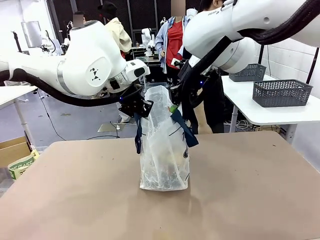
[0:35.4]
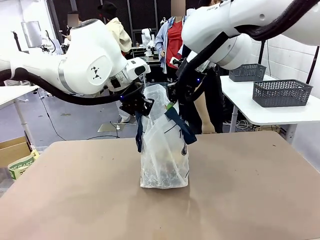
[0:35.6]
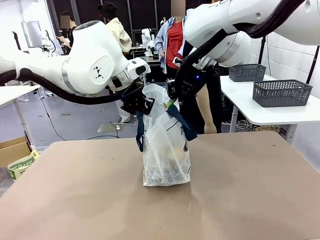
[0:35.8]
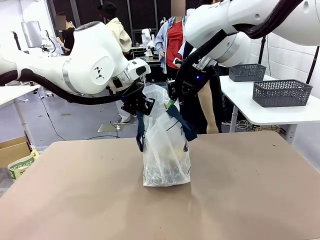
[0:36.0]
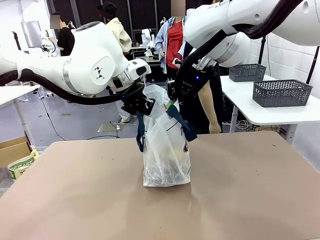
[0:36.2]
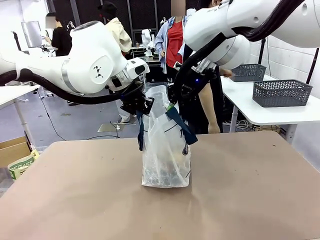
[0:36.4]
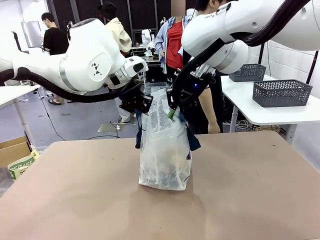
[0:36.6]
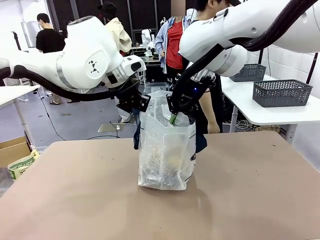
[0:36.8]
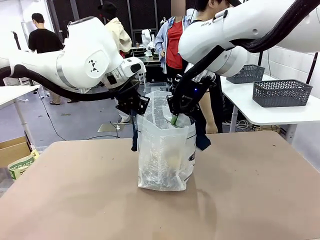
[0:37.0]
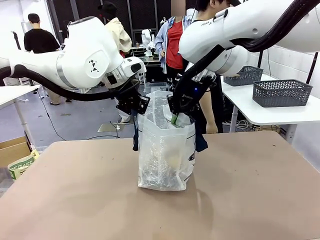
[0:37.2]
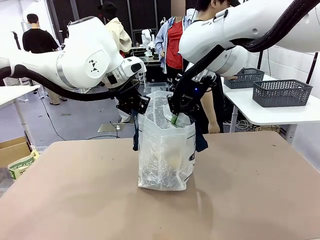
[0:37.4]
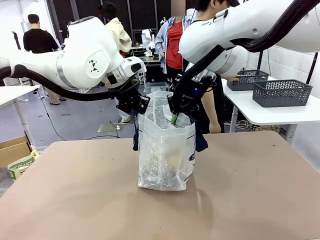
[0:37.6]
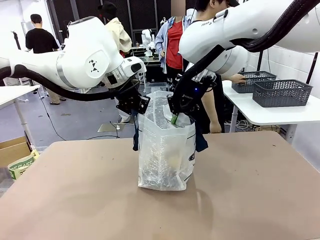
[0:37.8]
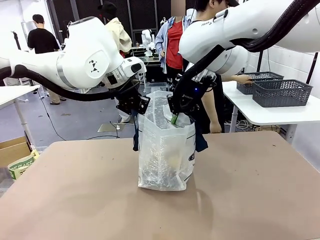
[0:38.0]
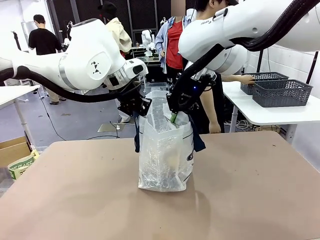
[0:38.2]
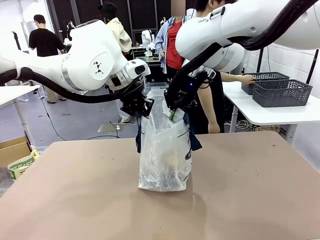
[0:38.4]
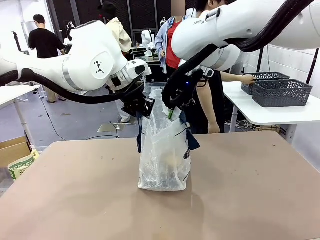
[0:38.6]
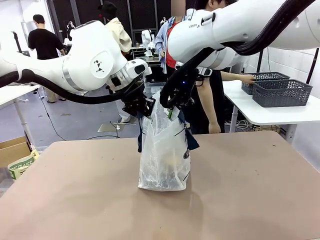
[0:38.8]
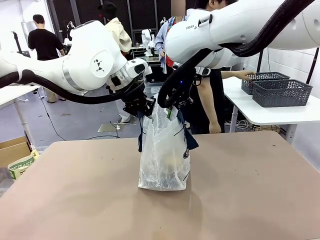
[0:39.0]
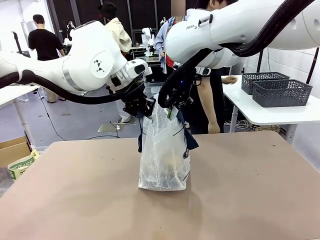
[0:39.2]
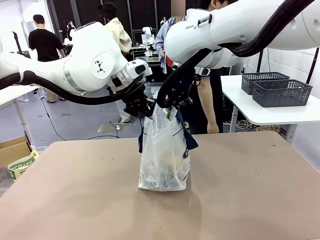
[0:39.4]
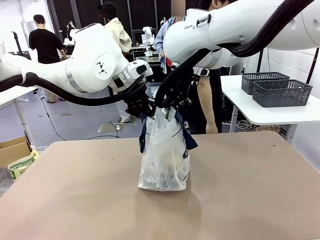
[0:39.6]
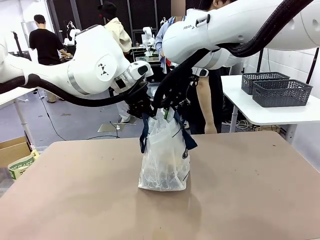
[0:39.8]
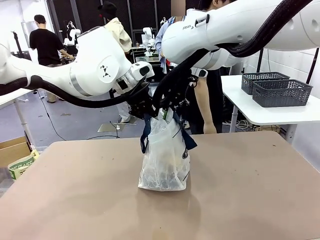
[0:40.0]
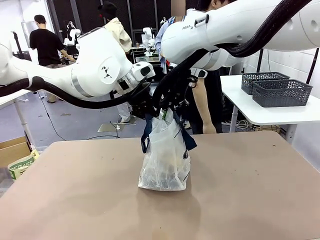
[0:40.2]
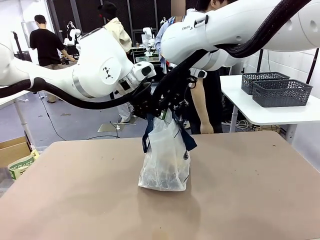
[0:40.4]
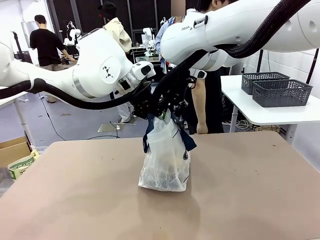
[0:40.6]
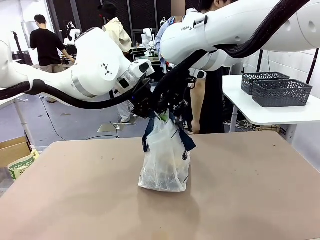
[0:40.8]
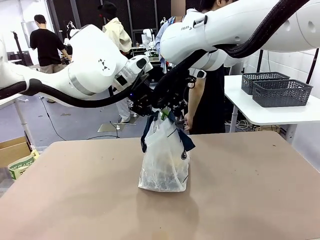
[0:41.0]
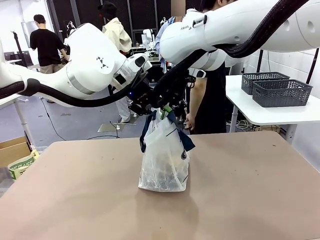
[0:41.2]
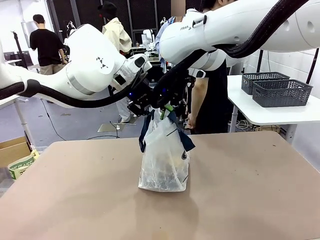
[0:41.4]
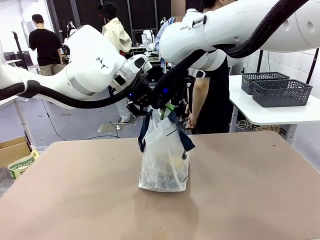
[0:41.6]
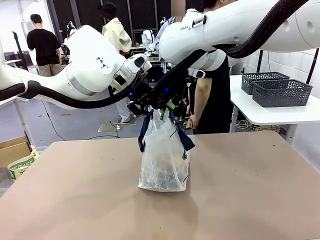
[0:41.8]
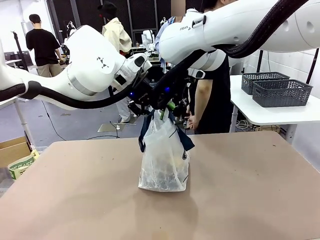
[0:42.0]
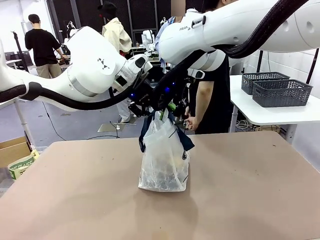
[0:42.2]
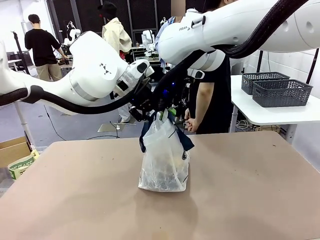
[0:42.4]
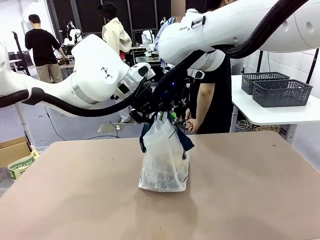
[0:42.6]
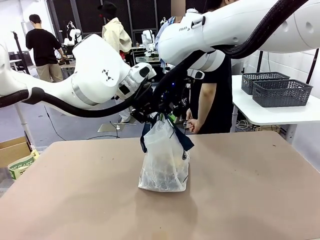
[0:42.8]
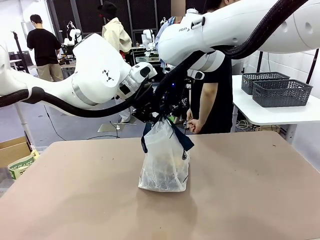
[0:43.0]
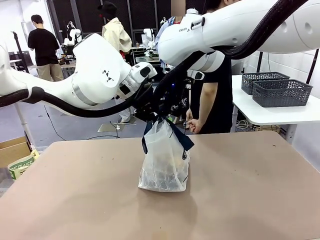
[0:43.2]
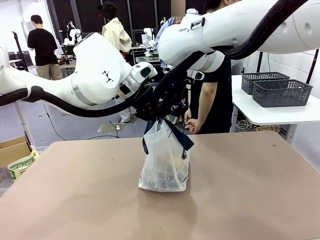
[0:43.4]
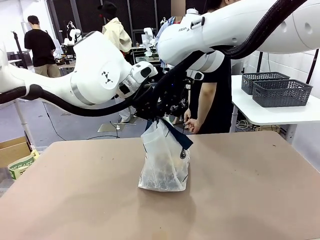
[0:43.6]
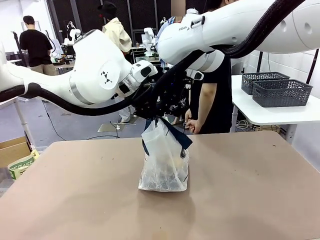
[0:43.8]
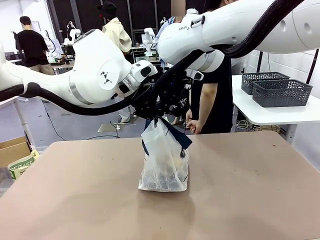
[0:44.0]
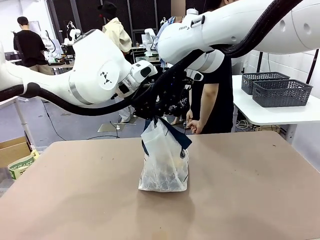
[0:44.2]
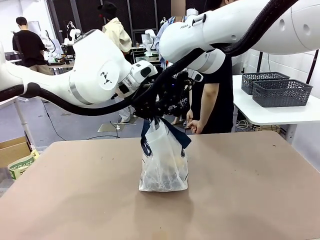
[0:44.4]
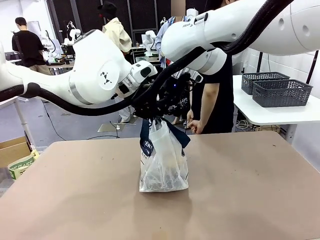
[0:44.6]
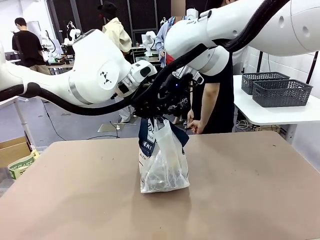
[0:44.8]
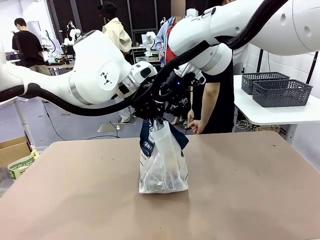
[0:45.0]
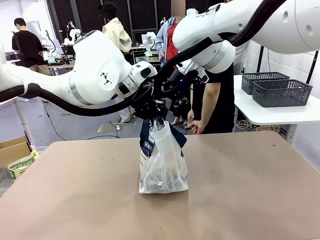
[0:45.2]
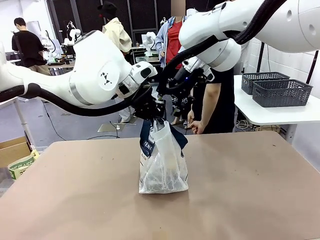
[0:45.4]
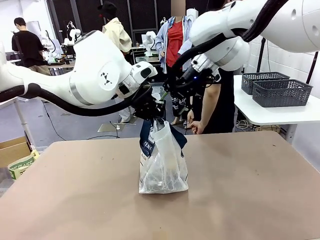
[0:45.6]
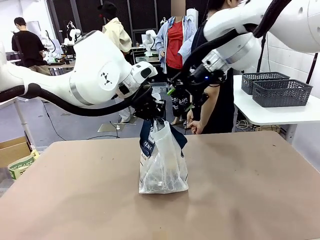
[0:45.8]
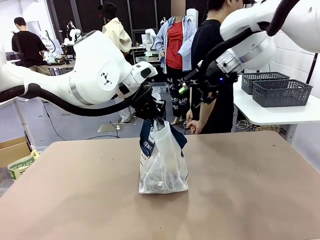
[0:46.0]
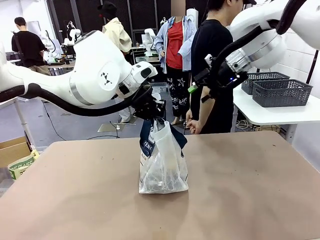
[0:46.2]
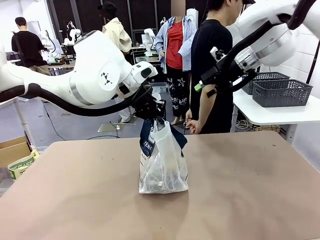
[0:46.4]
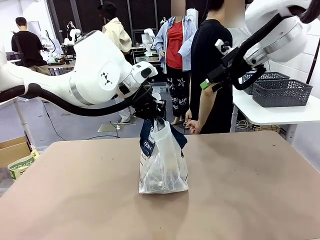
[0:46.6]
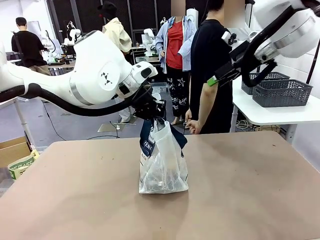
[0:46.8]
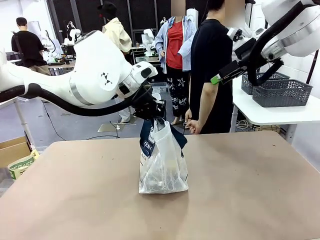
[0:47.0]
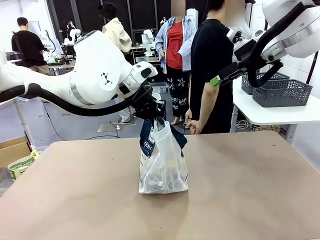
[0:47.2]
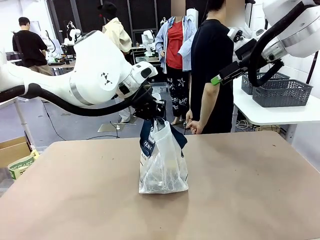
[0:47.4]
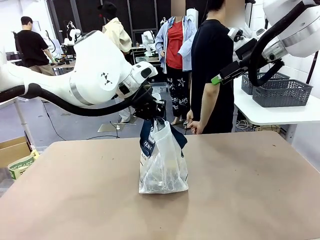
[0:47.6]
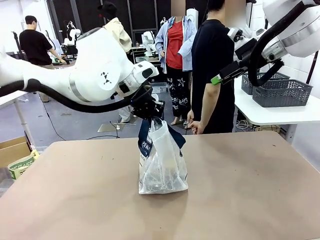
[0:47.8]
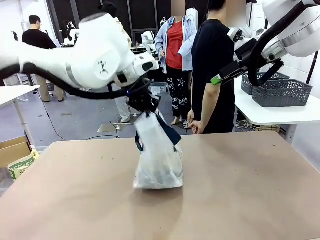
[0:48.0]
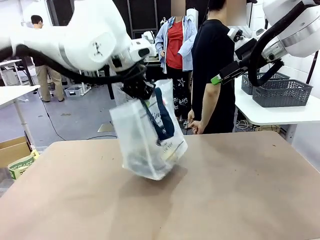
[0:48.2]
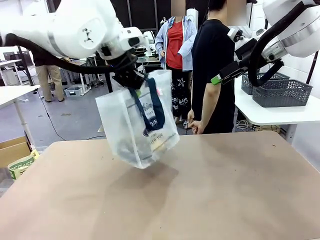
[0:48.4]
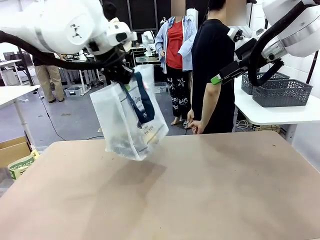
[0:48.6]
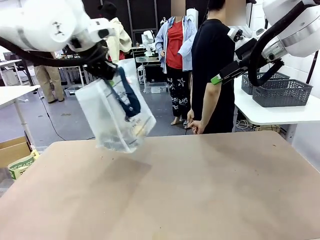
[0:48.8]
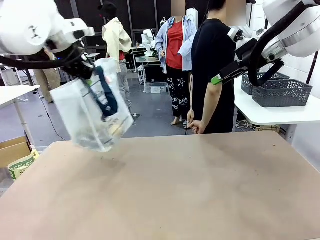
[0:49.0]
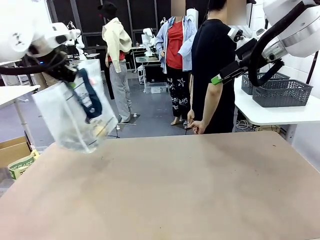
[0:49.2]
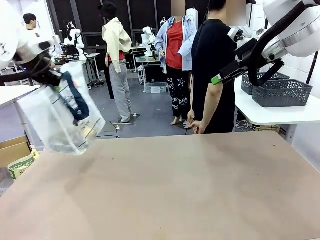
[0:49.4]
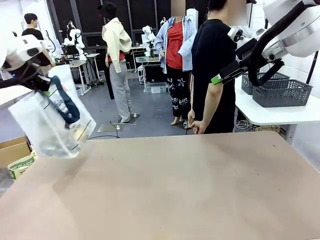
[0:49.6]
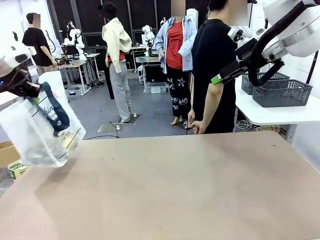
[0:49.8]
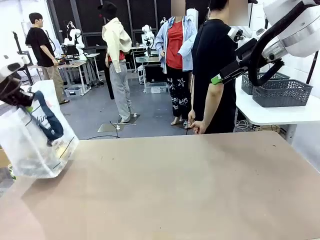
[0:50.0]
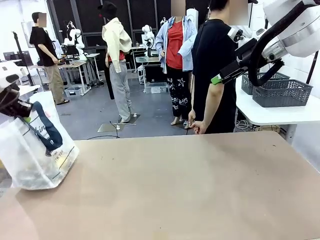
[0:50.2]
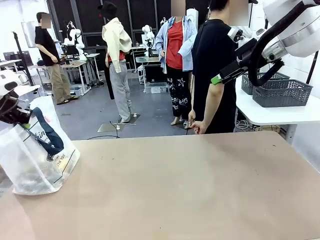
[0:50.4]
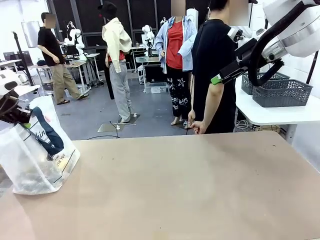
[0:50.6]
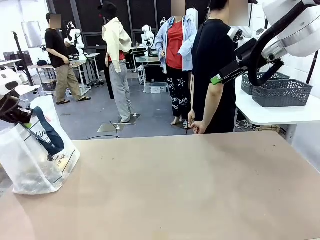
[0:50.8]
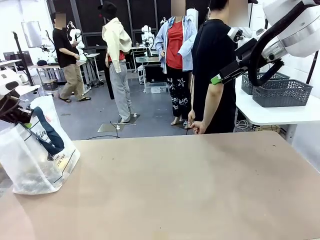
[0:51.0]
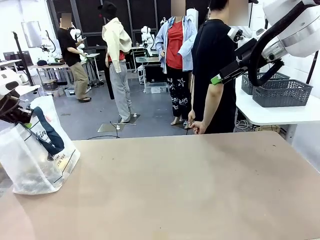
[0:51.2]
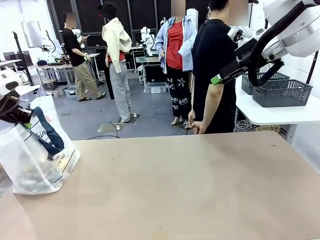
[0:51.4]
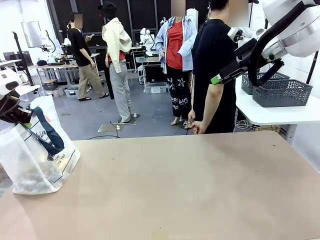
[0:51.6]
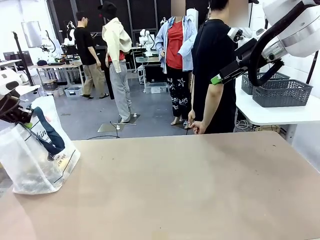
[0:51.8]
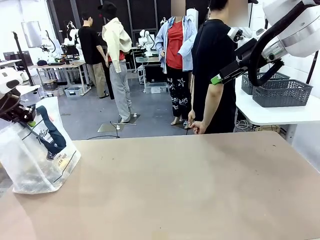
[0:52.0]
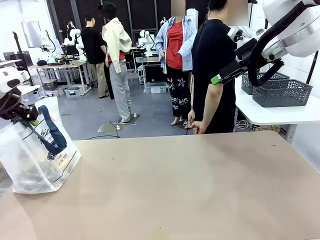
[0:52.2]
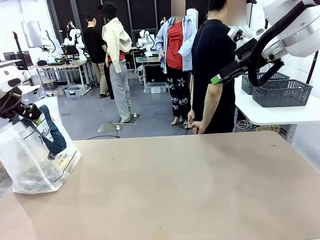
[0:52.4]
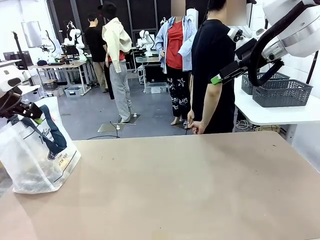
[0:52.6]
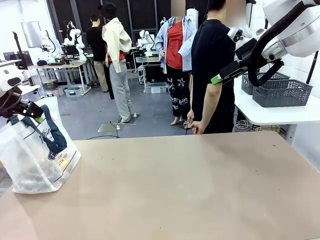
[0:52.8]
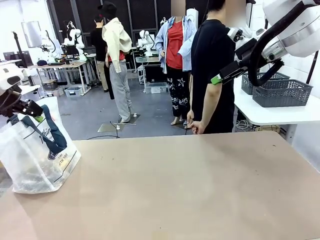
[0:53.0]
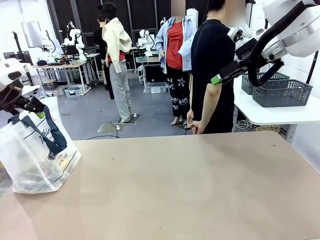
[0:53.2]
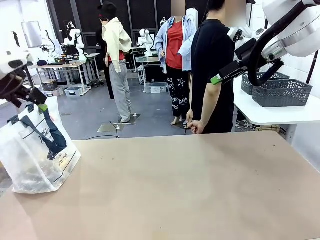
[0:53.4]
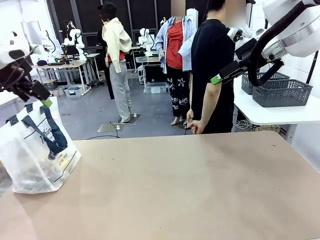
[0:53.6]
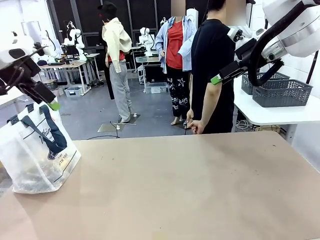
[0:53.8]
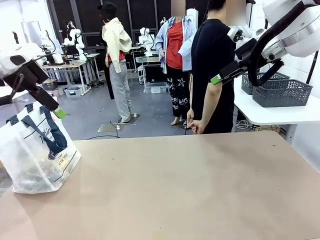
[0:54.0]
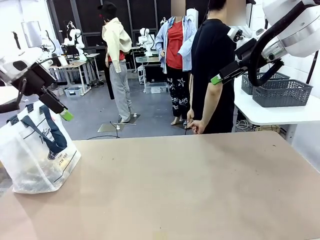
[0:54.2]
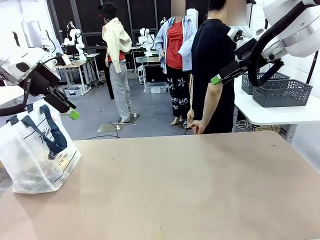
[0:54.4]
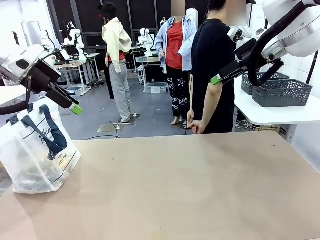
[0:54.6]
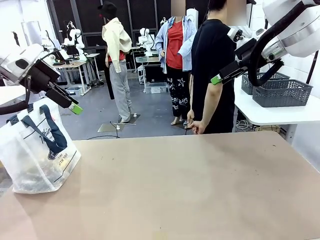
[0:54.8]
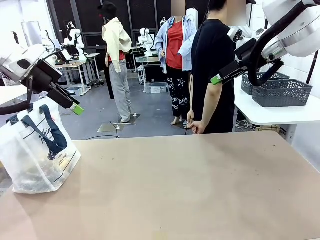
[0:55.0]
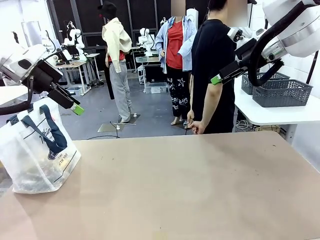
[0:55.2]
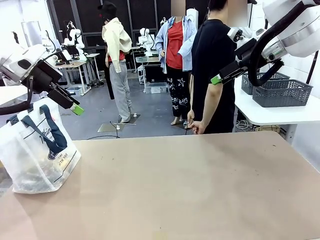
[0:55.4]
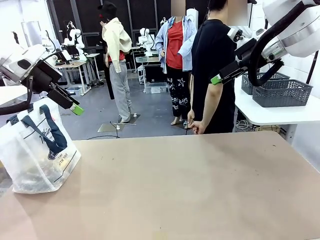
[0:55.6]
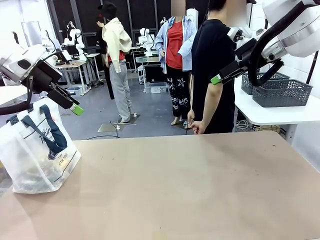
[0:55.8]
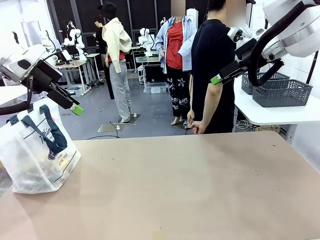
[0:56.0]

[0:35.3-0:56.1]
Task: Transfer purchased items from the store into the shopping bag.
Robot: Move the Reusable shopping bag to the right side of the table.
Person: Move the basket on the left to the middle of the person's table.
